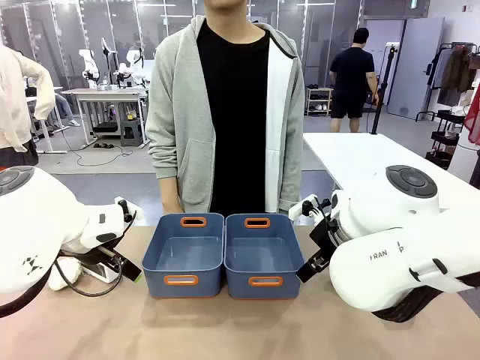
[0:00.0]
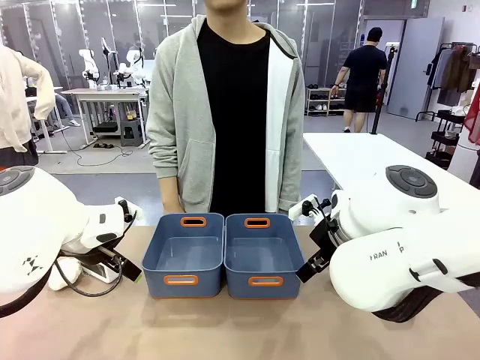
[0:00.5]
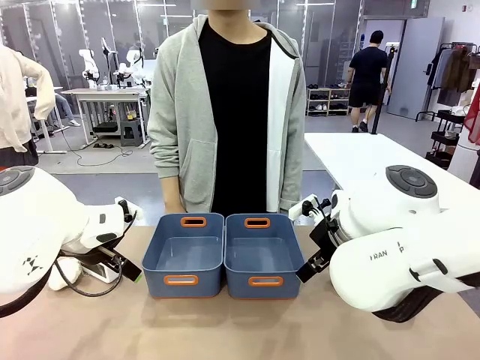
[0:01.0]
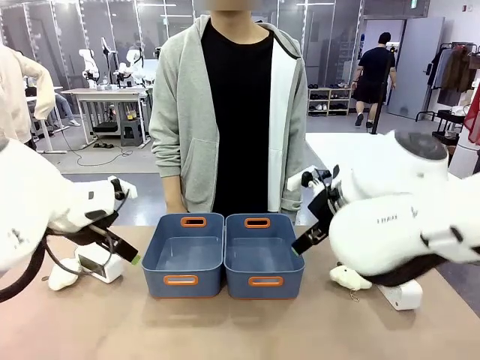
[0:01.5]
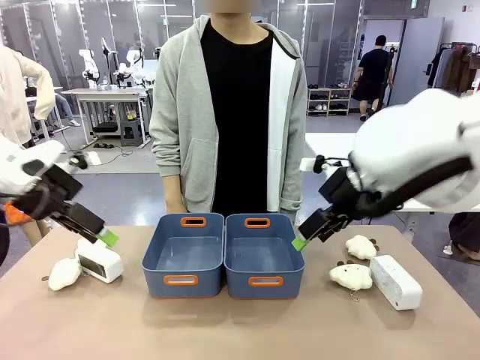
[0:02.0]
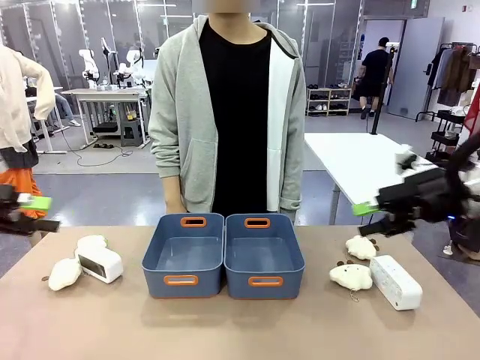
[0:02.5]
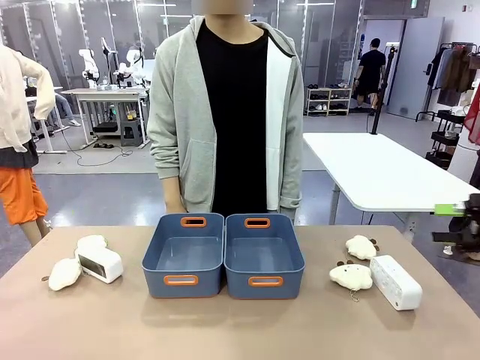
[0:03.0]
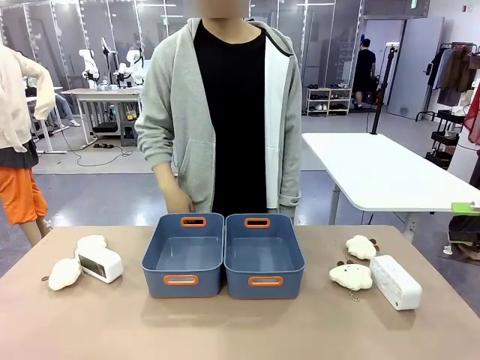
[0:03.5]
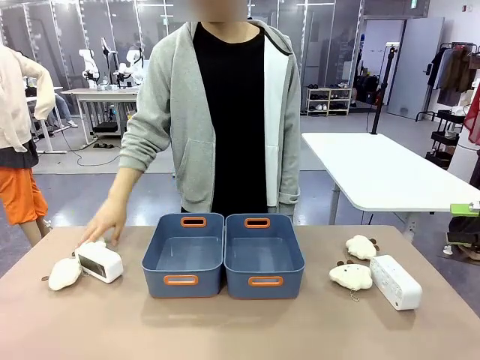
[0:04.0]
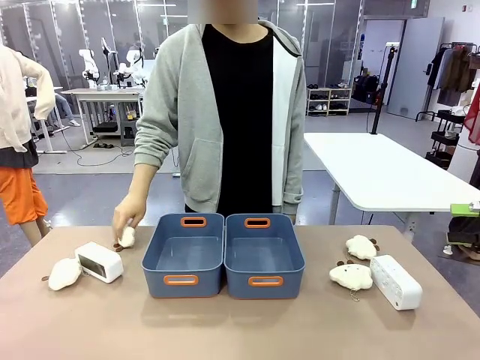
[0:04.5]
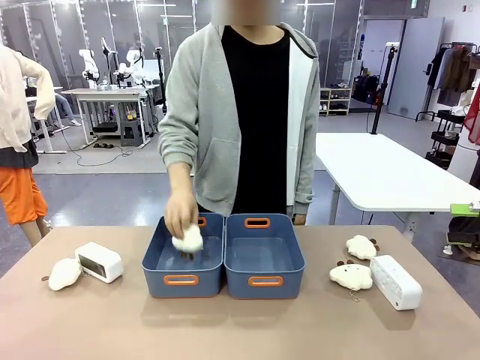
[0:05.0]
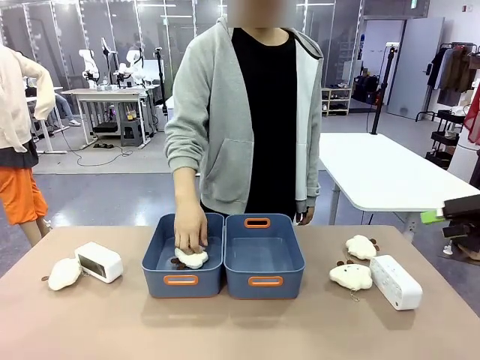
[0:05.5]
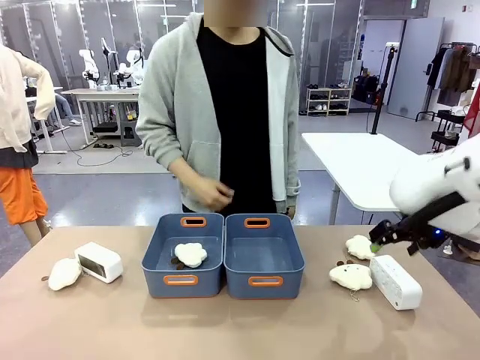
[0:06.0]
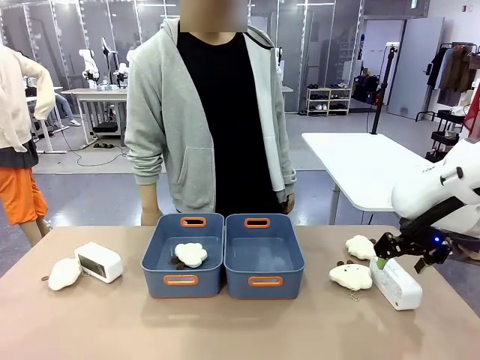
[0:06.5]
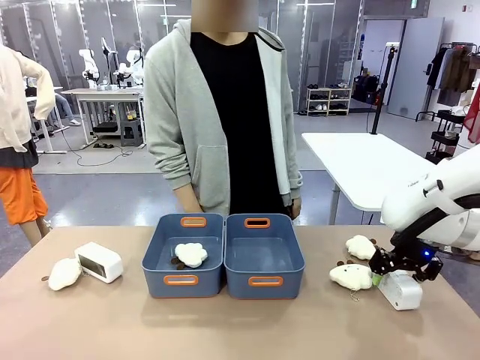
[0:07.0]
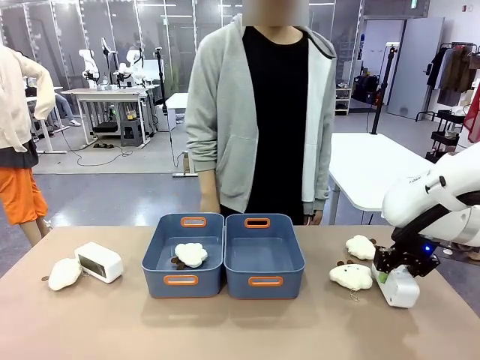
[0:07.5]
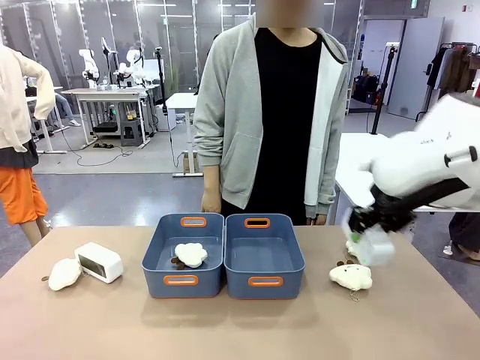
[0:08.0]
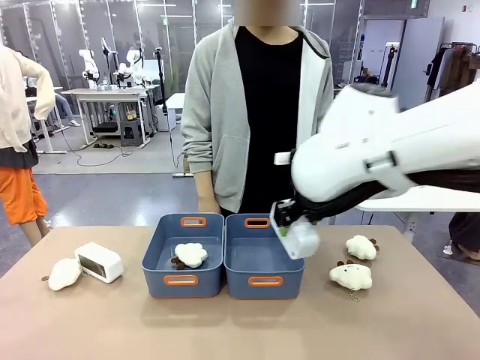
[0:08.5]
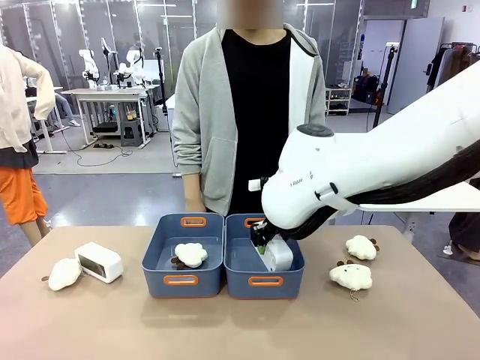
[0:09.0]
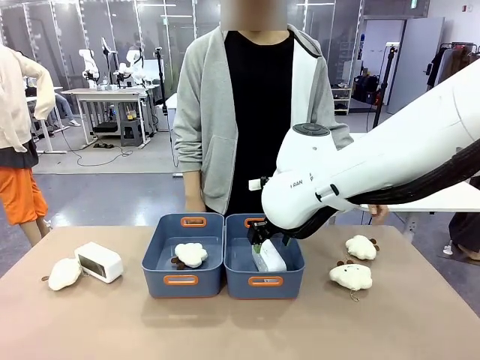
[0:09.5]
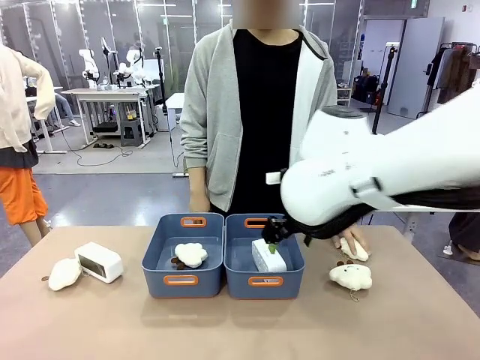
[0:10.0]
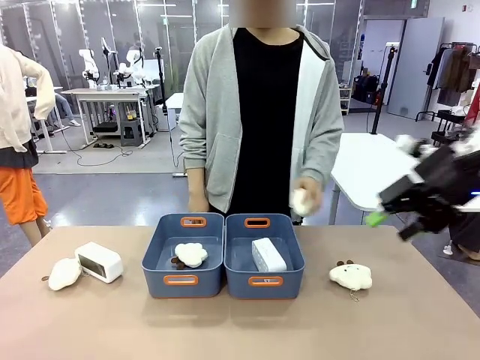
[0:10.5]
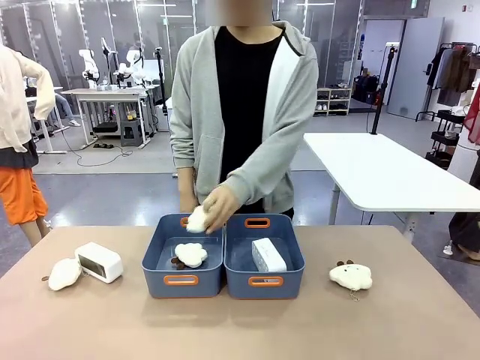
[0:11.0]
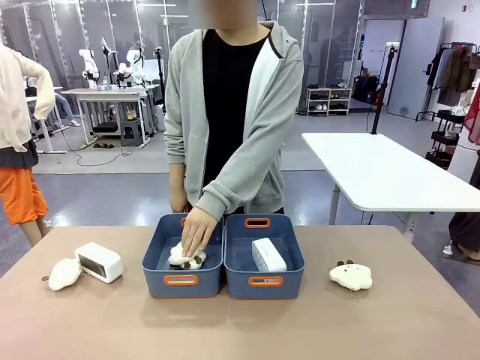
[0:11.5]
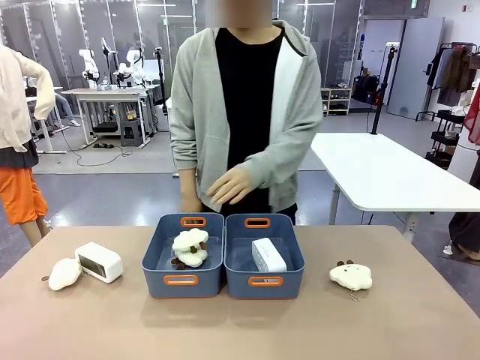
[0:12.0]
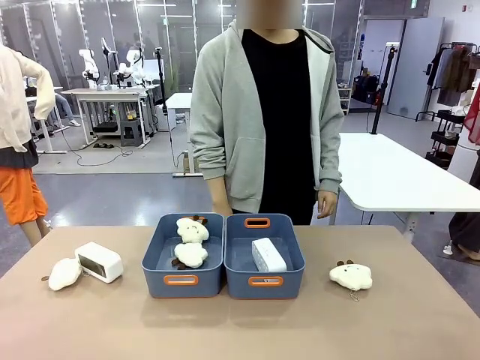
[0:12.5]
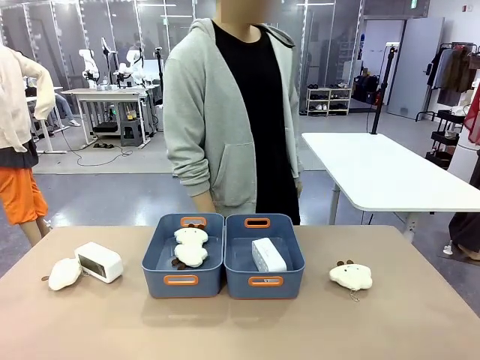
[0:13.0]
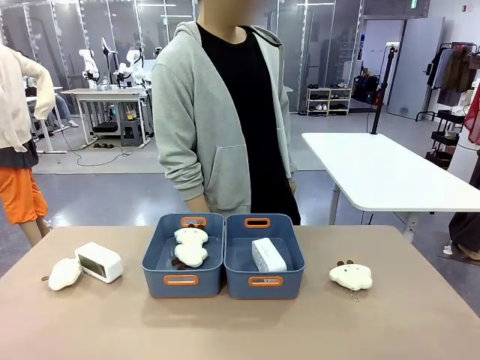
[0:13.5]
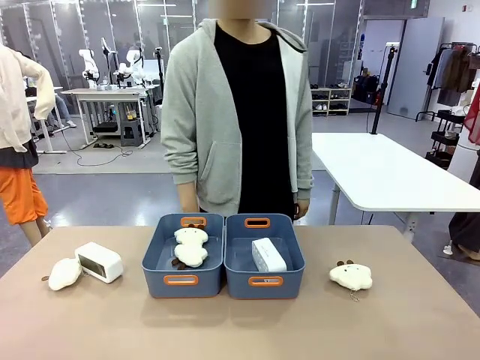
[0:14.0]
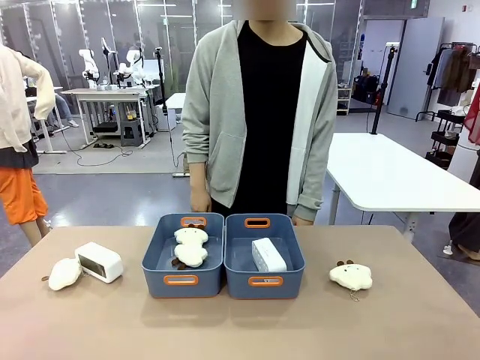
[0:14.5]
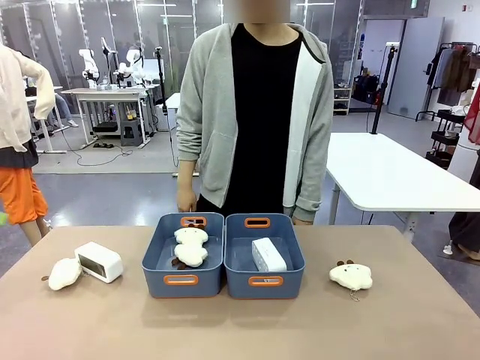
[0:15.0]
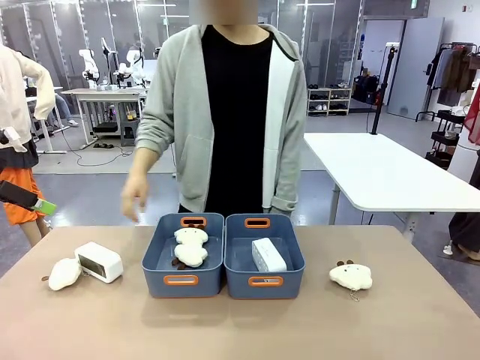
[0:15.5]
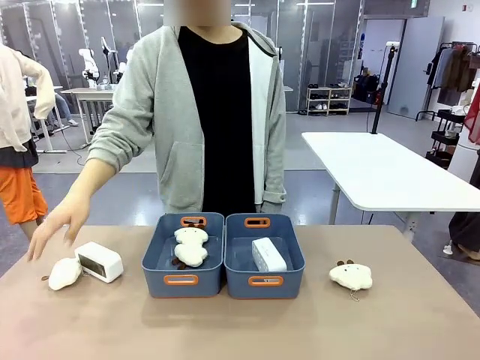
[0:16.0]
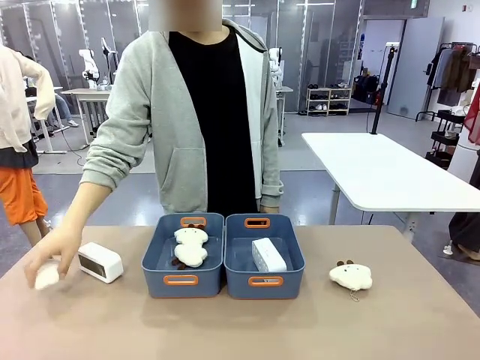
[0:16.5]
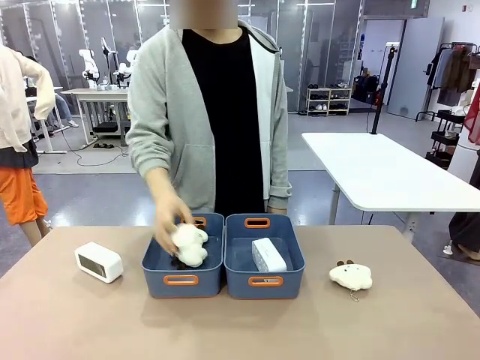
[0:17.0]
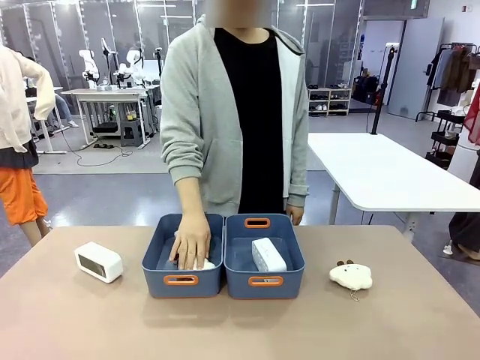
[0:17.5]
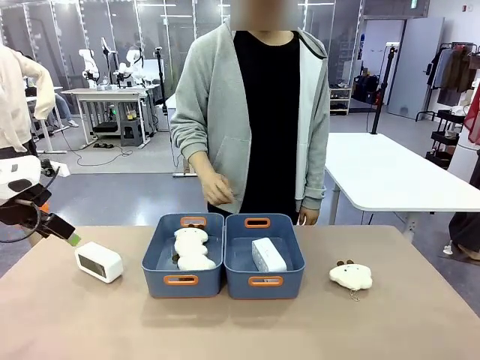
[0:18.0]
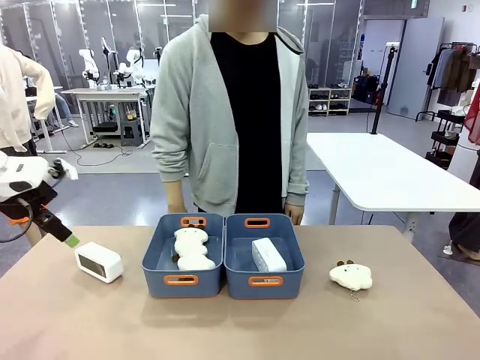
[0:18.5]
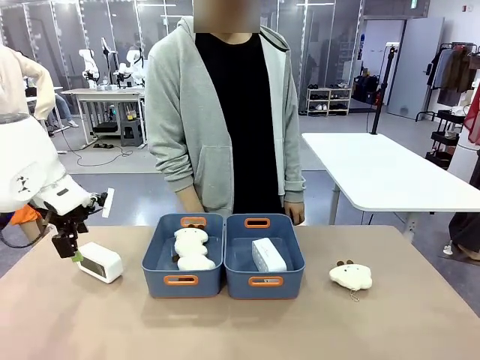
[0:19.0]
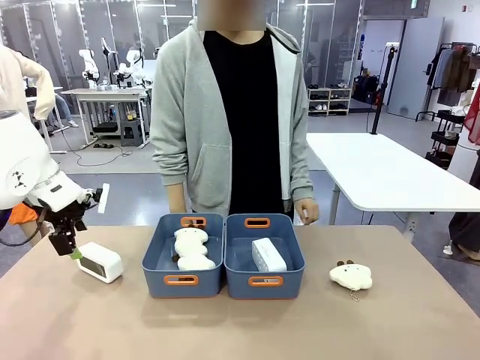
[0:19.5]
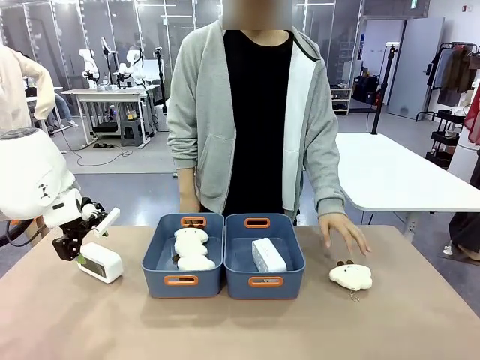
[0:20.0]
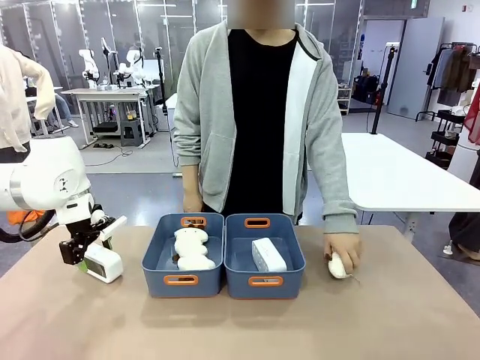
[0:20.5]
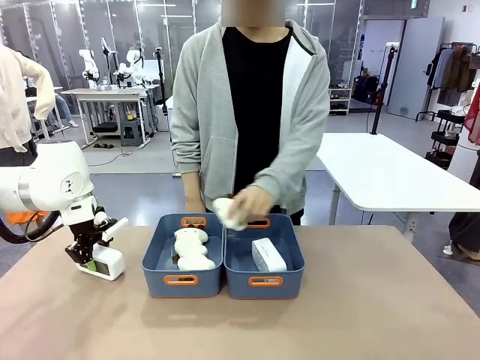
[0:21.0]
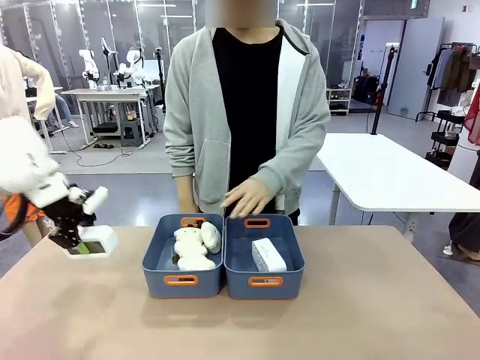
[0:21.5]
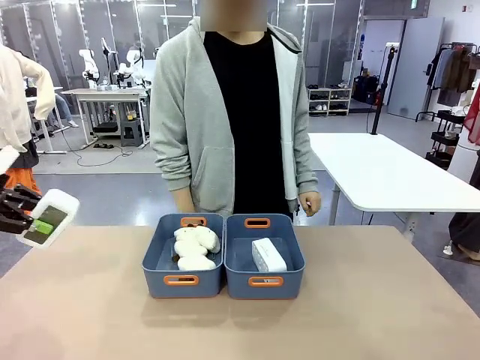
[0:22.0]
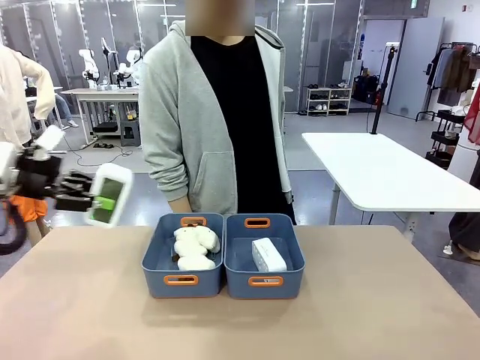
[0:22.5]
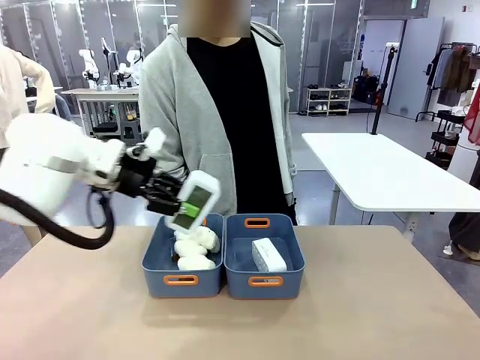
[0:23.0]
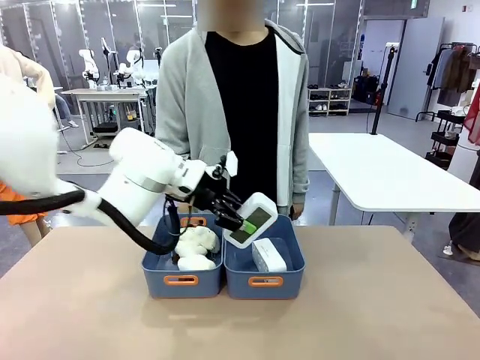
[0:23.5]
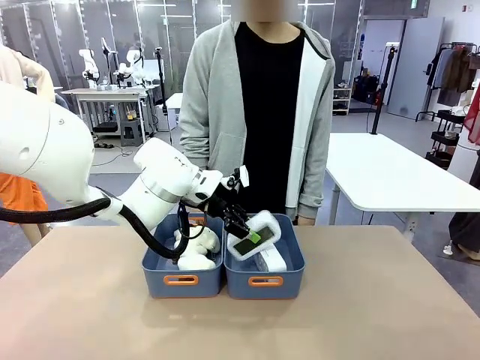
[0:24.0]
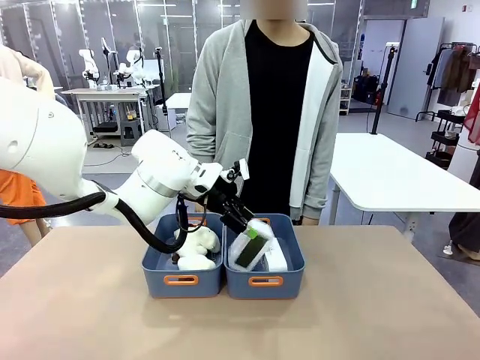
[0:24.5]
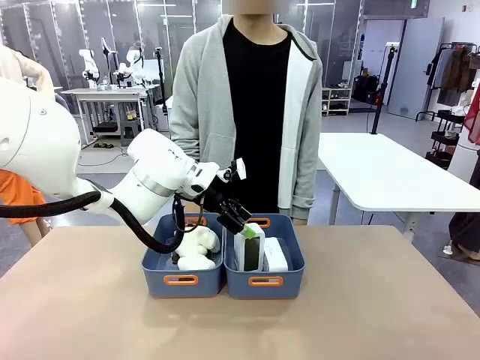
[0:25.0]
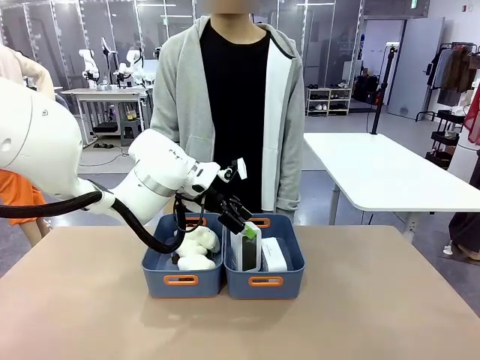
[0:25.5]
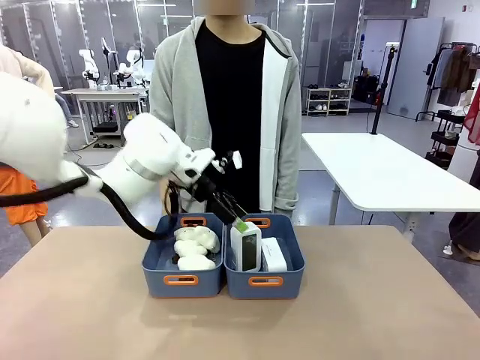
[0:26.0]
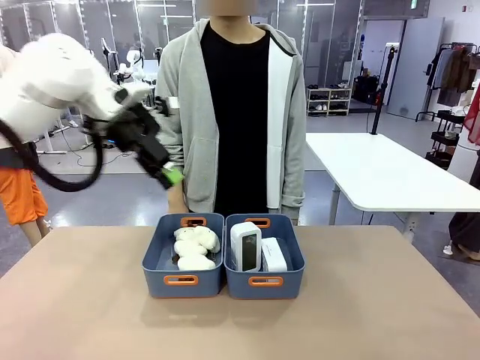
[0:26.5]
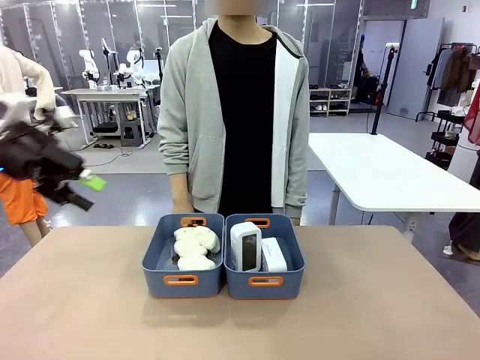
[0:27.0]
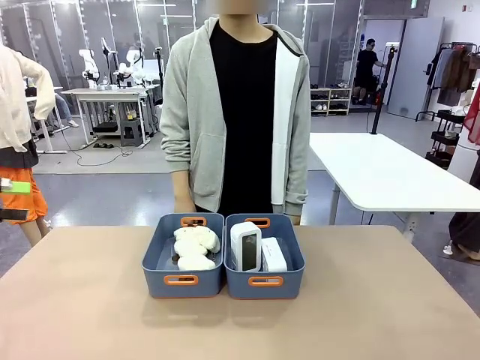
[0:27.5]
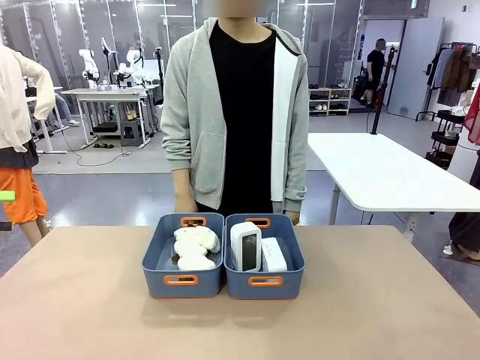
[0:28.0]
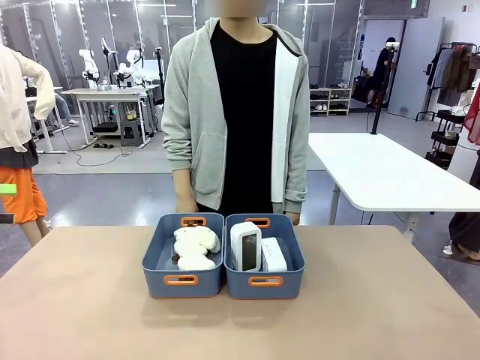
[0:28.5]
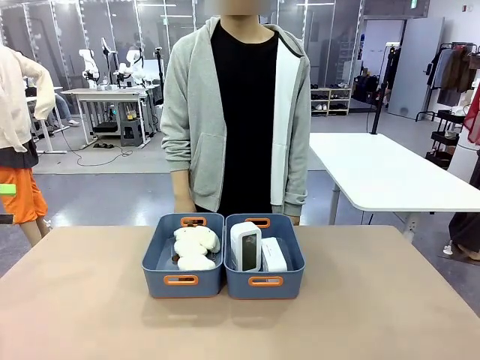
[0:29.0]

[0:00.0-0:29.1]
Task: Sort the digital clocks into the basket.
Robot: Pick up the Digital clock from the table and place it into the empty Plastic storage basket.
Person: Pick up a plush toy from the table and place it in a plastic storage basket. Pick up a plush toy from the table and place it in the plastic storage basket containing the plush toy.
